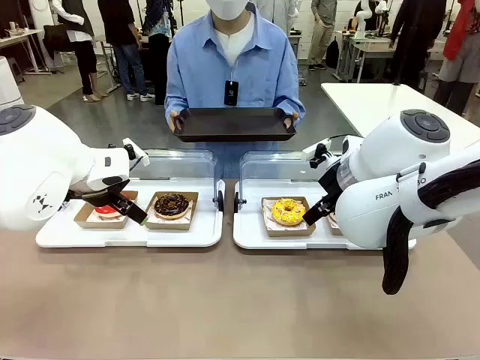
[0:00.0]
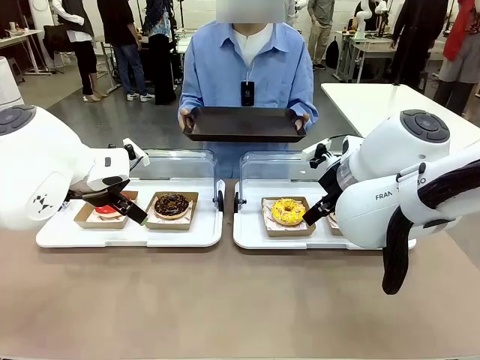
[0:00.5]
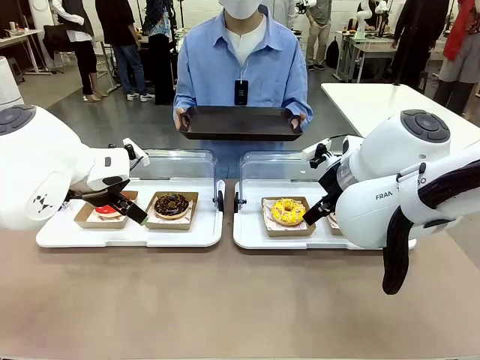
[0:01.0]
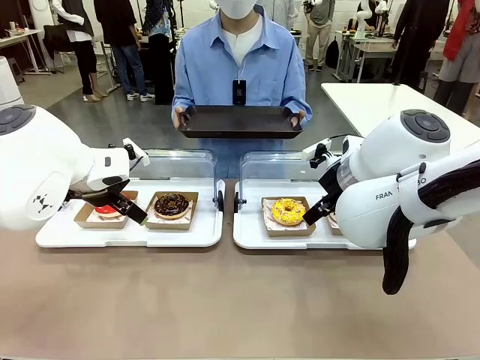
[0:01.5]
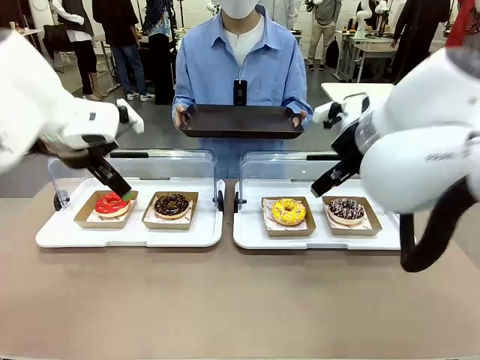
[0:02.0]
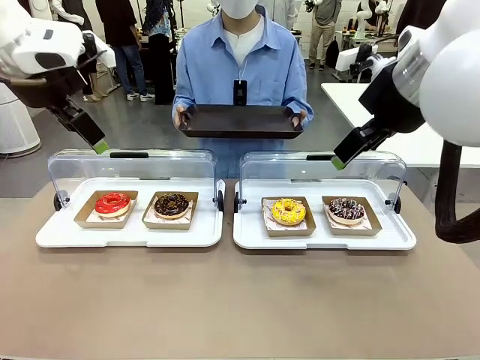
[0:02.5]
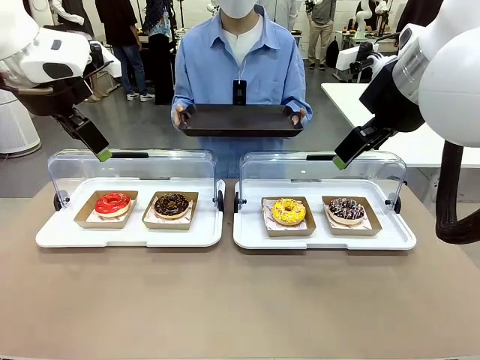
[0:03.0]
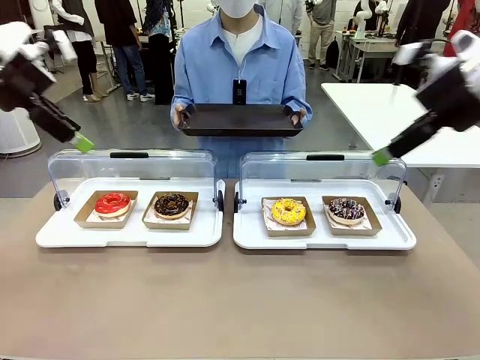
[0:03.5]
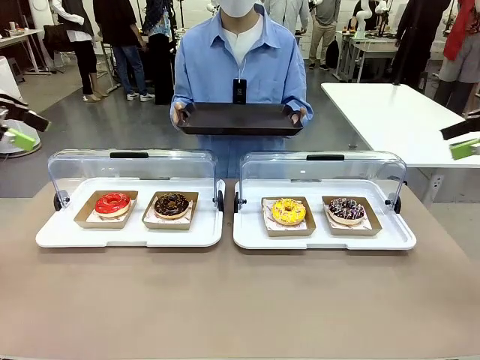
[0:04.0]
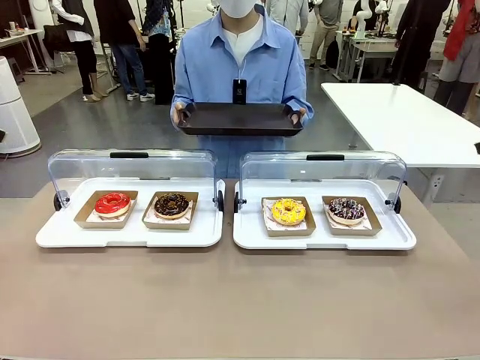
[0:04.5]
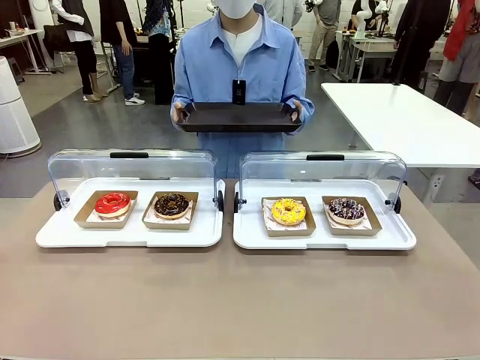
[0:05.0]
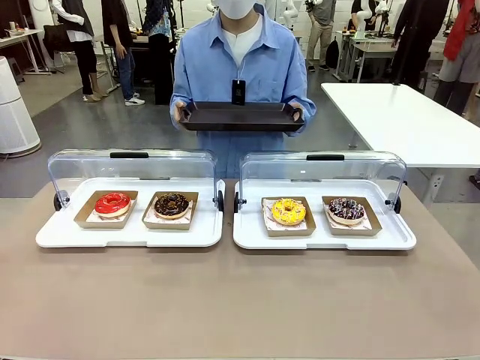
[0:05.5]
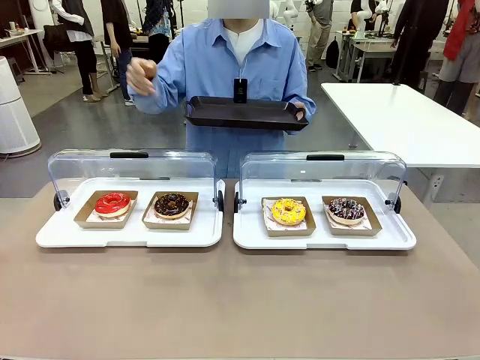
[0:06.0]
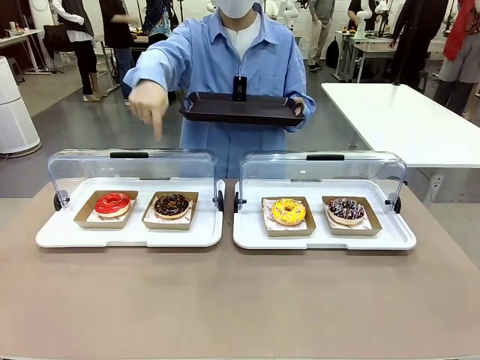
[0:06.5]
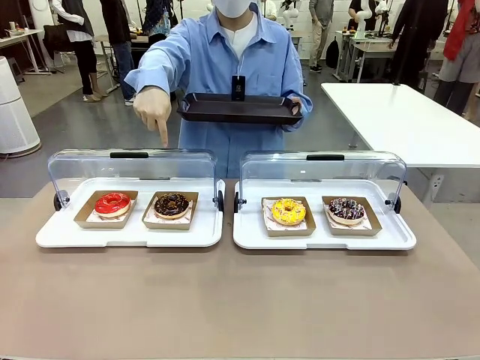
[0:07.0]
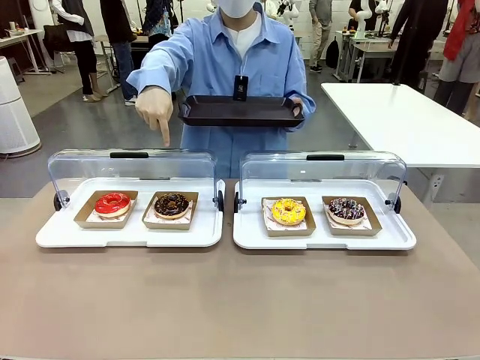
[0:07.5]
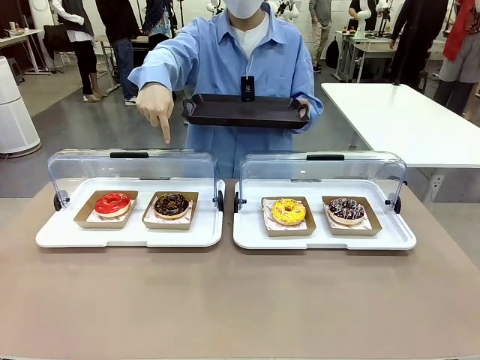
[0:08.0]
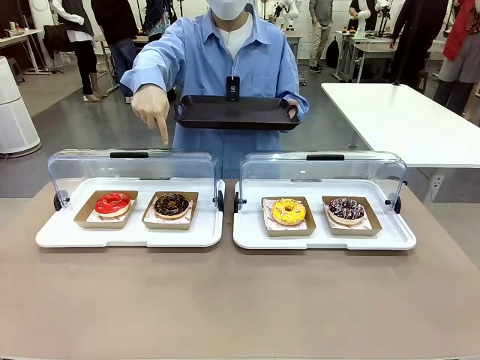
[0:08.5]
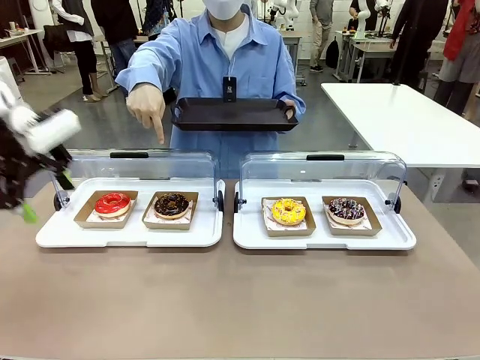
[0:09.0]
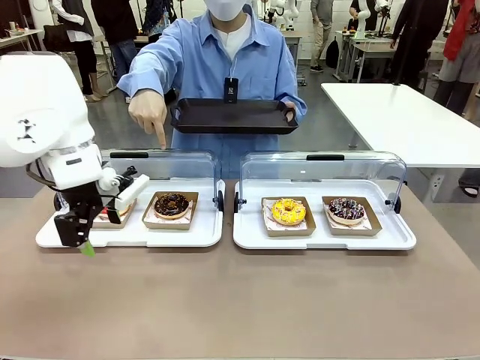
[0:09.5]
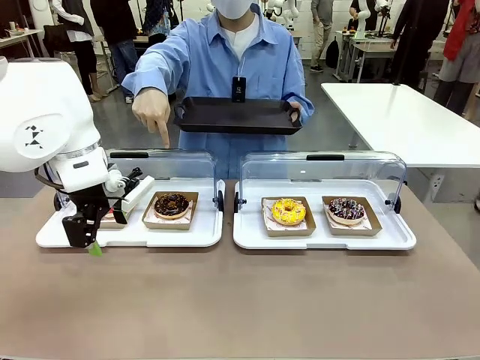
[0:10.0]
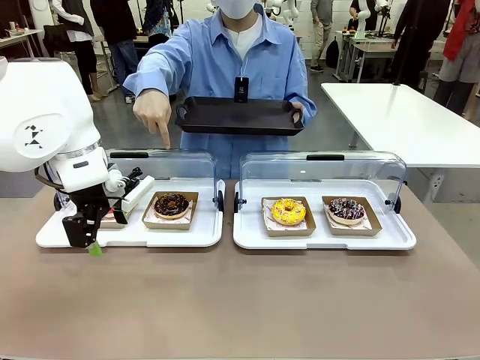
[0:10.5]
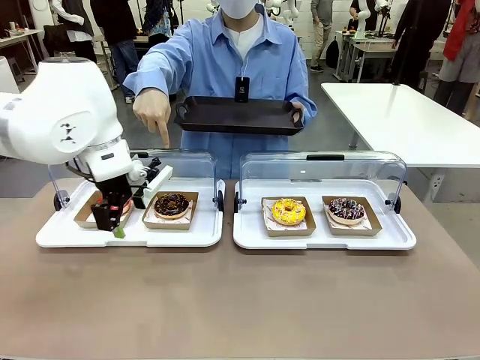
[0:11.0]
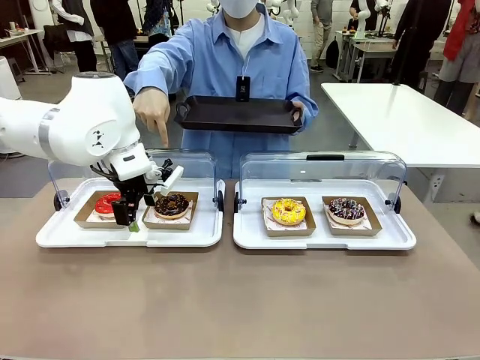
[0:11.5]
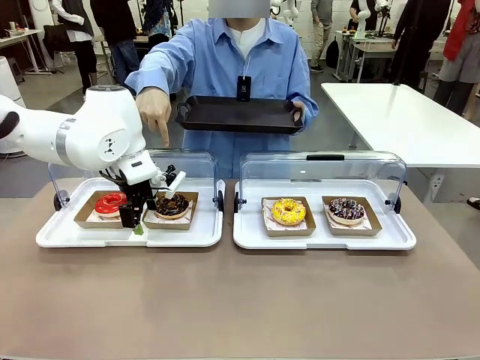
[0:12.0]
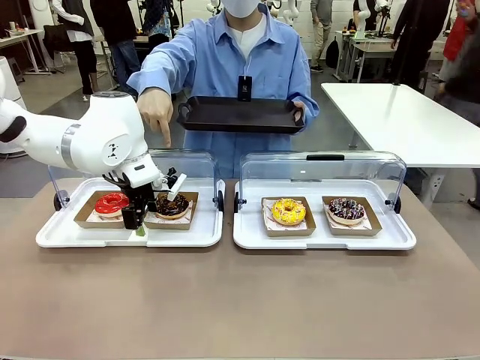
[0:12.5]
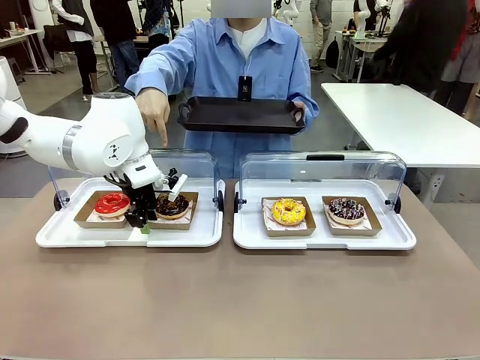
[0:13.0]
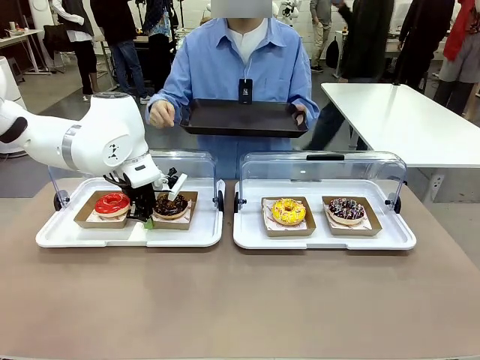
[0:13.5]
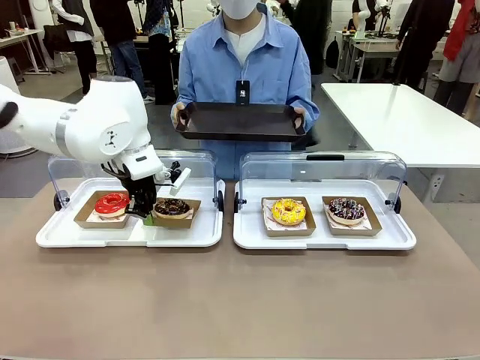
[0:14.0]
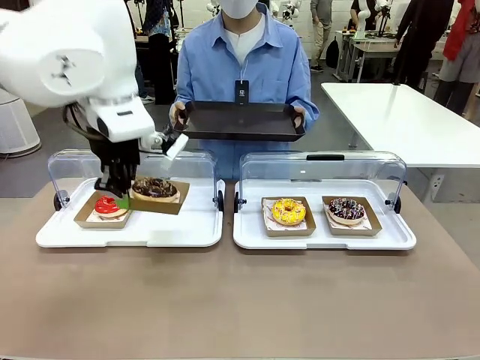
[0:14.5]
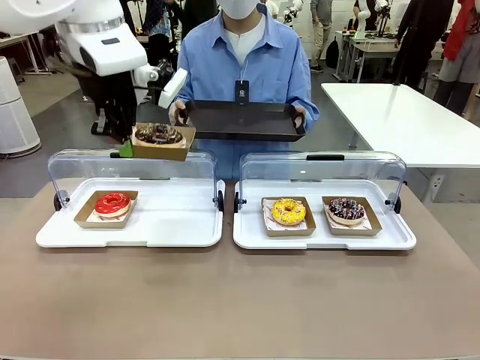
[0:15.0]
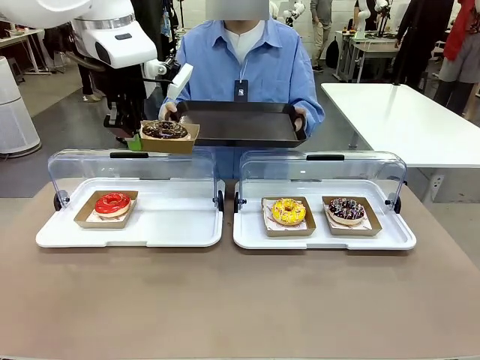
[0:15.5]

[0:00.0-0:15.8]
Task: Provide the desired donut to the person.
Robot: Pick up and lift the Paper togo box containing the Donut pointed at by the person.
Person: Point to one donut. Lift the tray onto the Roll-Top Bakery Case.

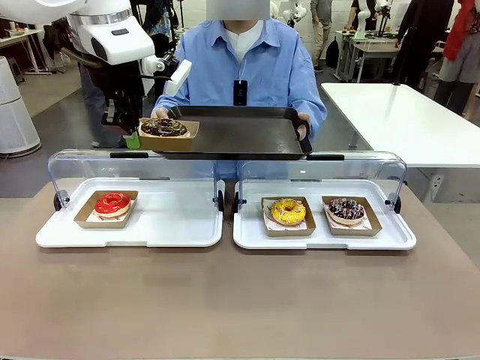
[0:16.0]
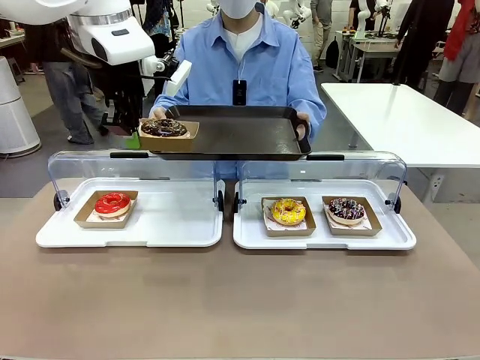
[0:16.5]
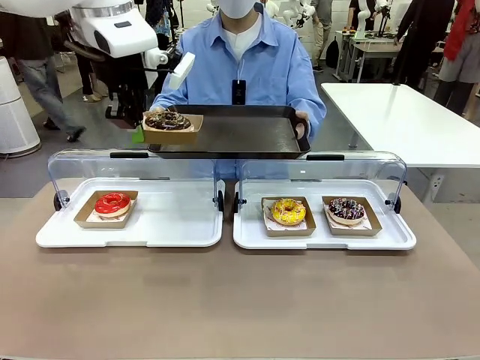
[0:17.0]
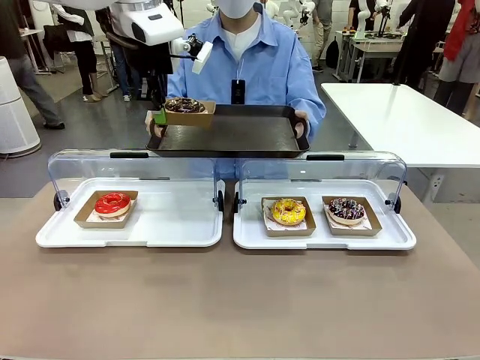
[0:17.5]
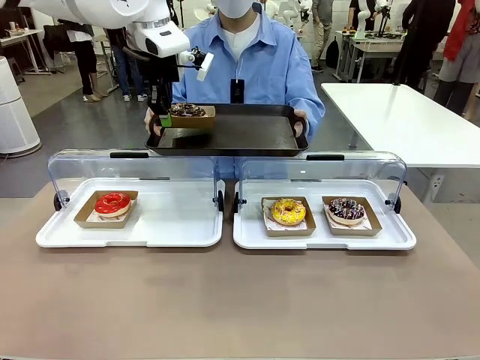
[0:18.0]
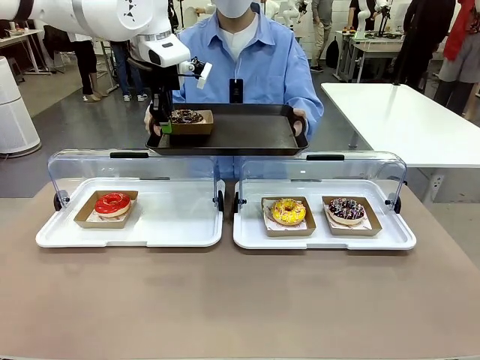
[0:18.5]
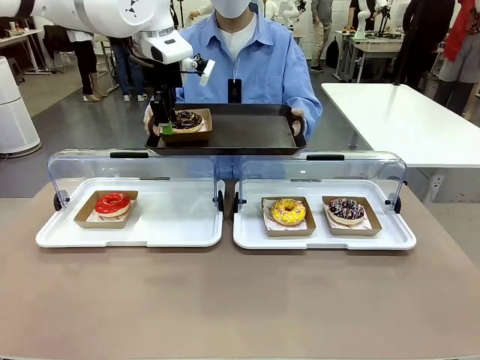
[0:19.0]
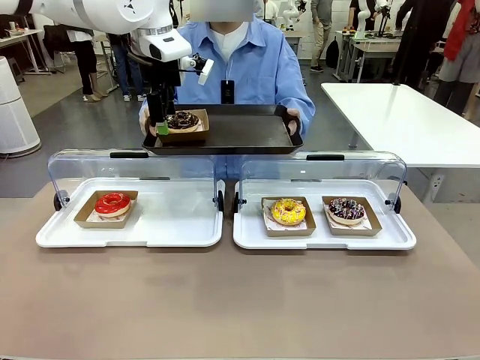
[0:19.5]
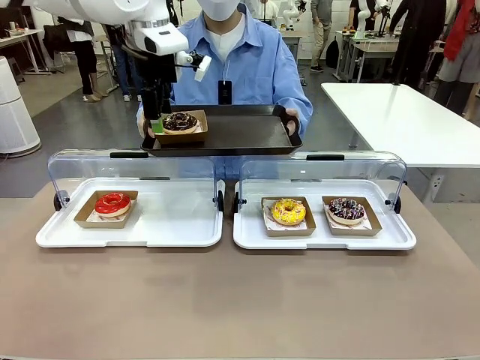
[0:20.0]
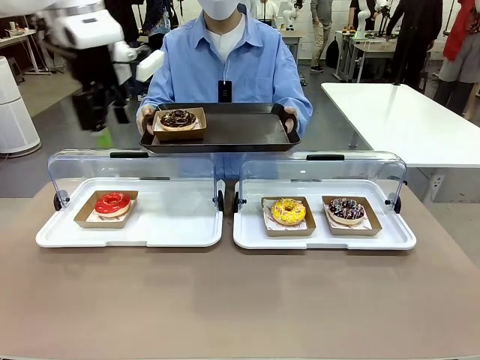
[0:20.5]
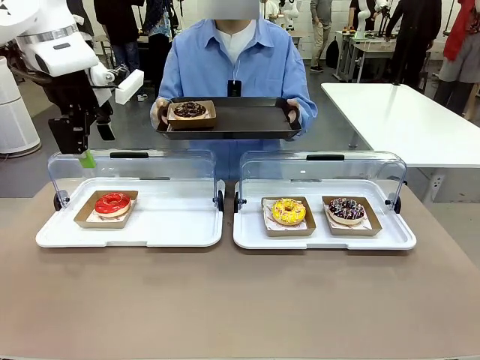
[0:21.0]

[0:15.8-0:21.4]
Robot: Place the picked Paper togo box onto the Handle tray extended by the person.

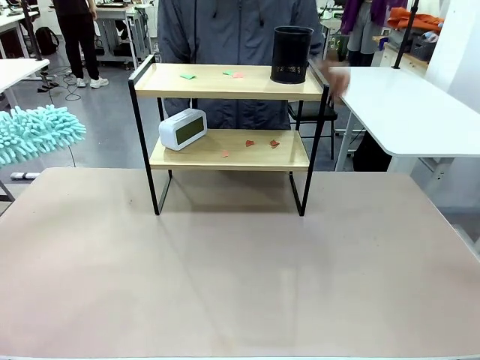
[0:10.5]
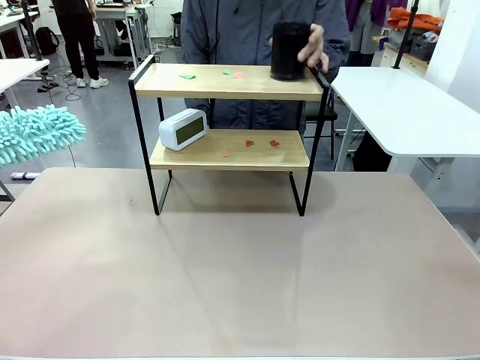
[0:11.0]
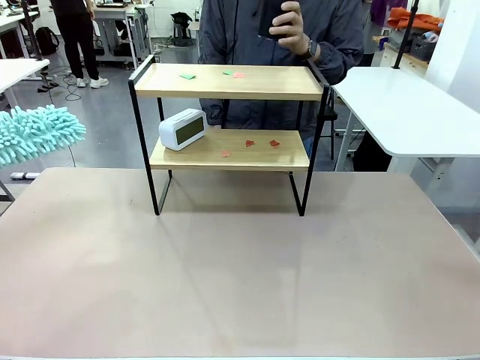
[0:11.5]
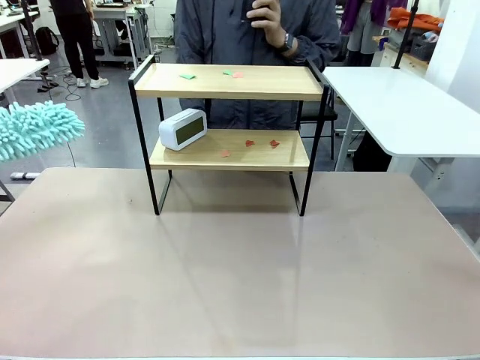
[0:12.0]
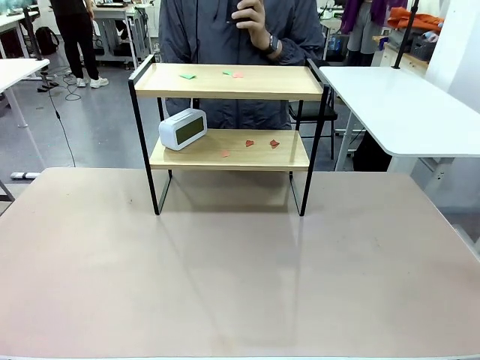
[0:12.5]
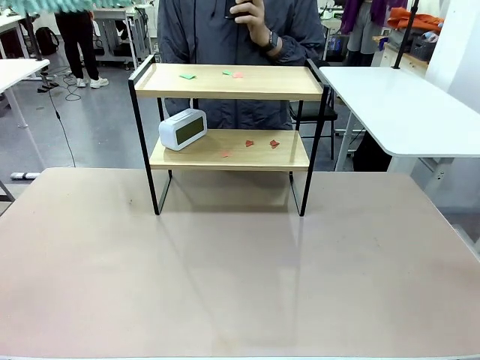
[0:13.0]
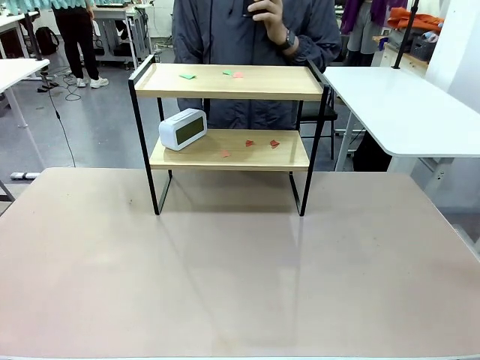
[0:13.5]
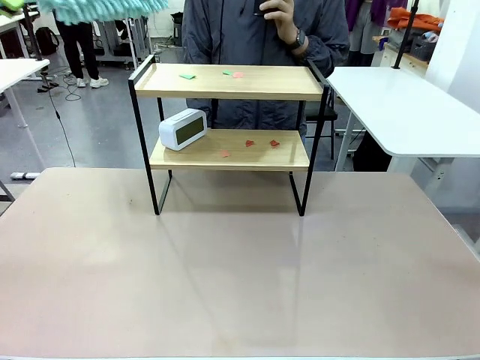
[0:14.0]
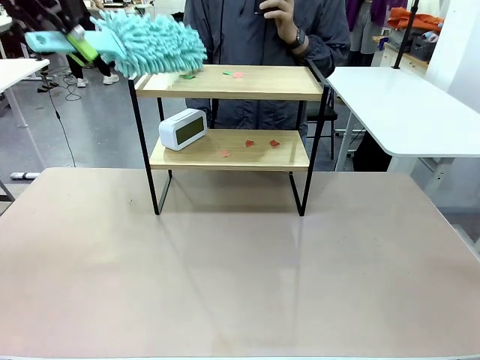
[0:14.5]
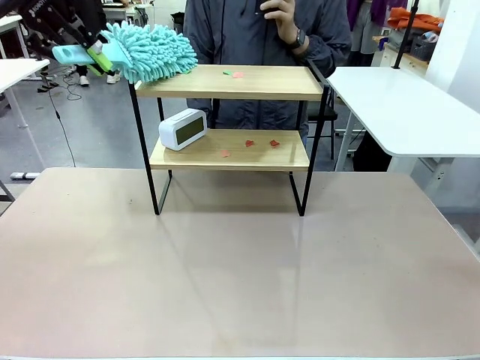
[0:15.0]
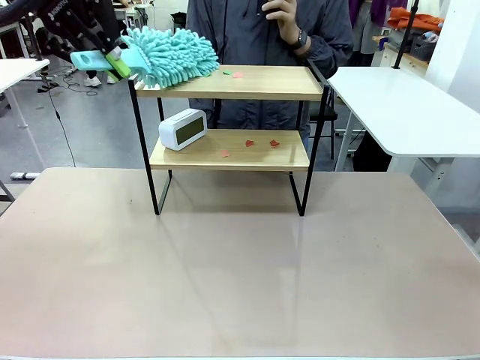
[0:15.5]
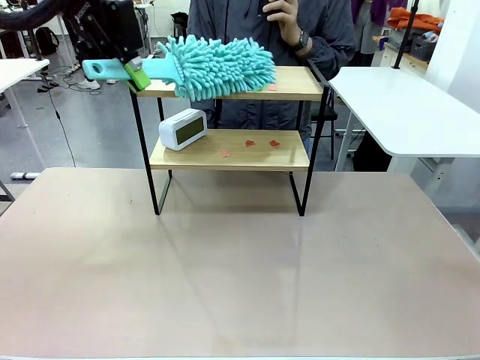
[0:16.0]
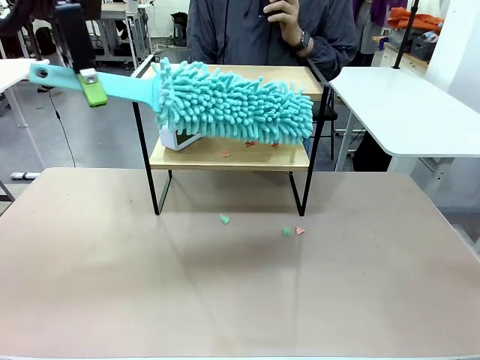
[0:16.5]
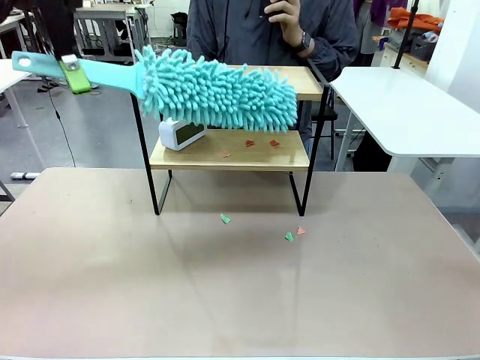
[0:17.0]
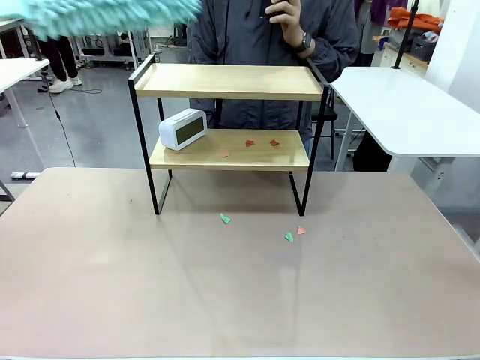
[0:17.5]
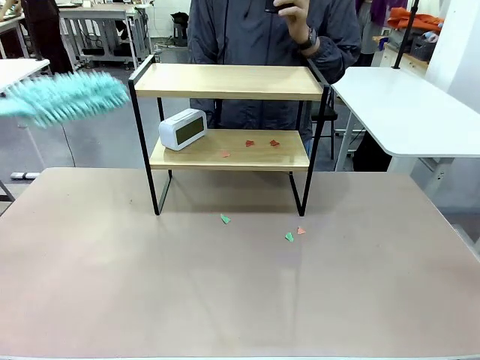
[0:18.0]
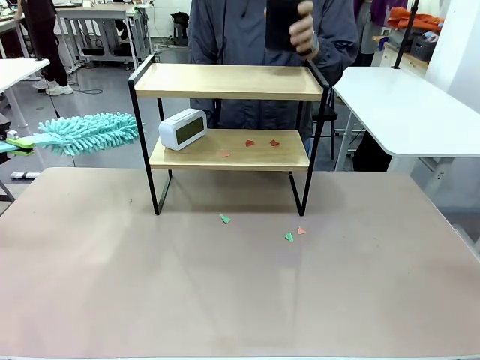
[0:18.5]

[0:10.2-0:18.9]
Task: Clean the shelf.
Robot: Clean the specific tier of the Shelf with the Duster once objects are removed.
Person: Lift the objects on a randomly selected tier of the Shelf. Once the robot finishes cleaning, lift the objects on the remaining tiers of the Shelf.
